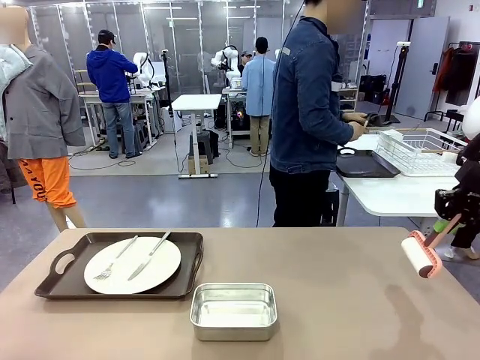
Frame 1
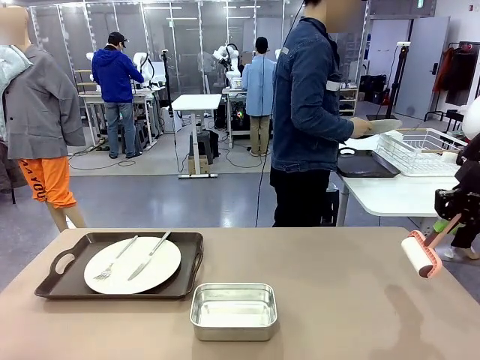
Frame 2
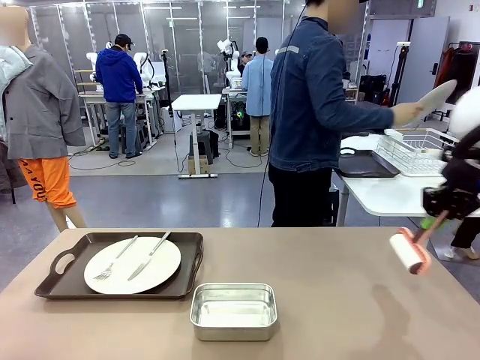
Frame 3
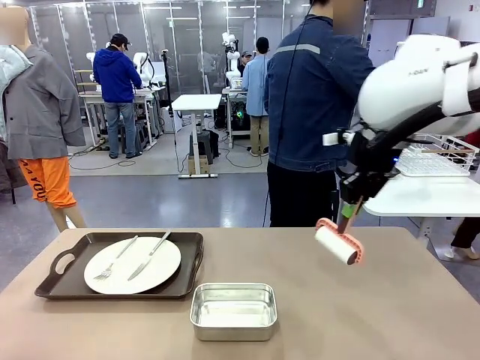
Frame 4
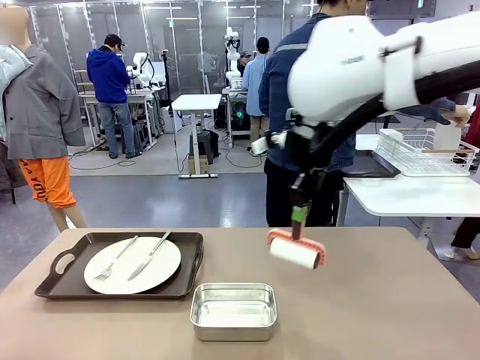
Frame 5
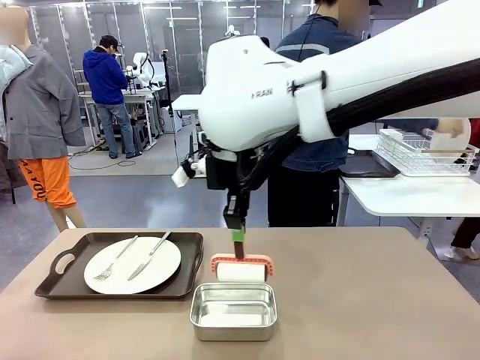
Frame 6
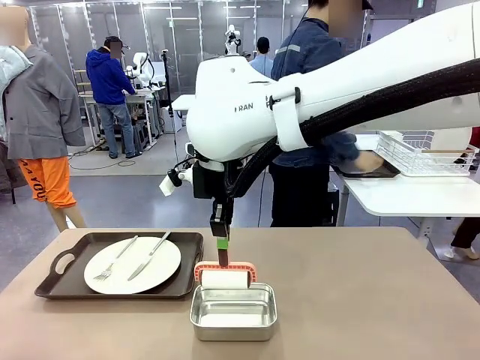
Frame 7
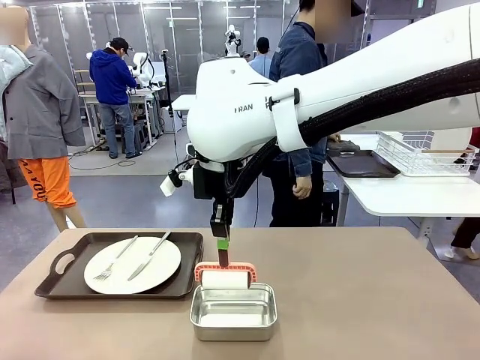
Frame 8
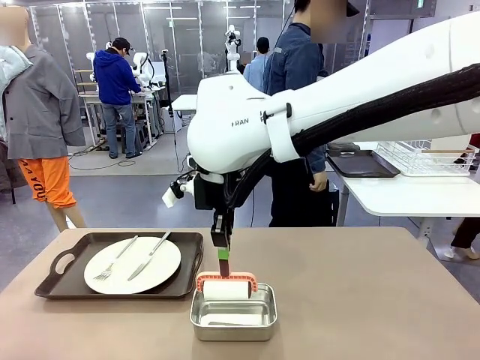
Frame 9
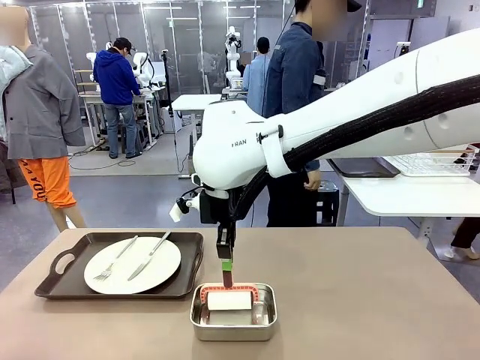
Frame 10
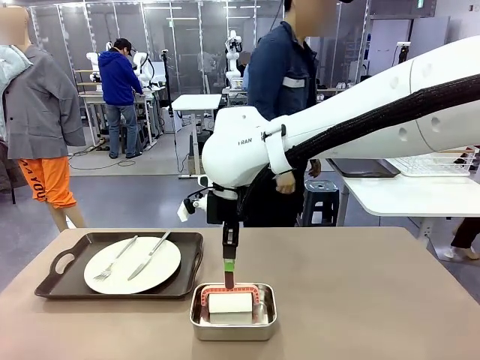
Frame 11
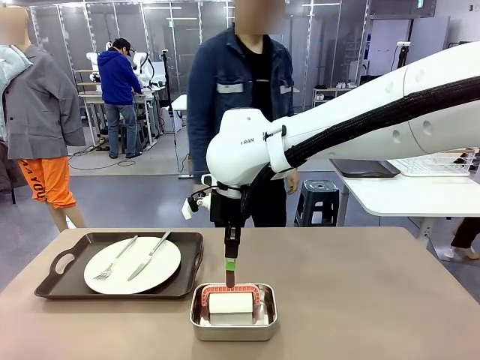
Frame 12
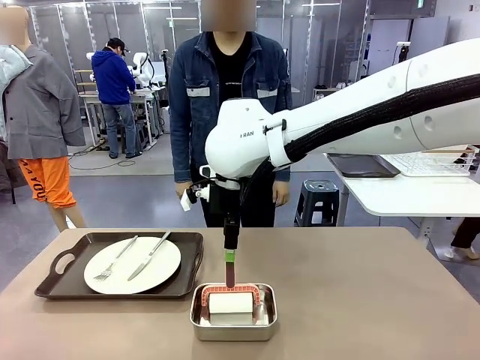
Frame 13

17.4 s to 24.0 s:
Robot: Place the Lint Roller back on top of the Airtight Container.

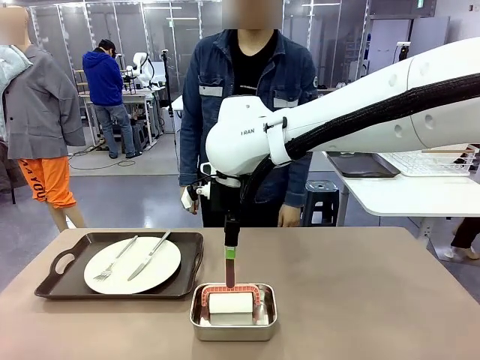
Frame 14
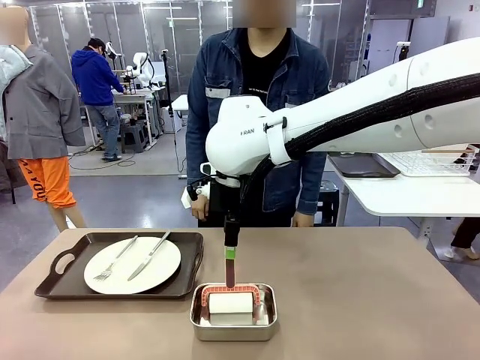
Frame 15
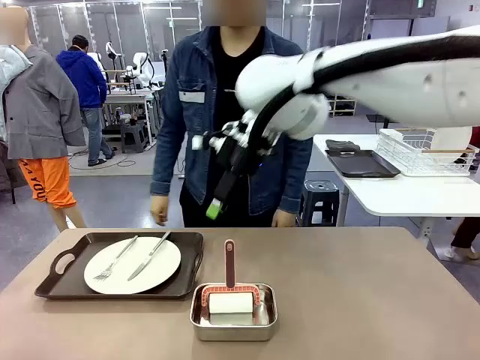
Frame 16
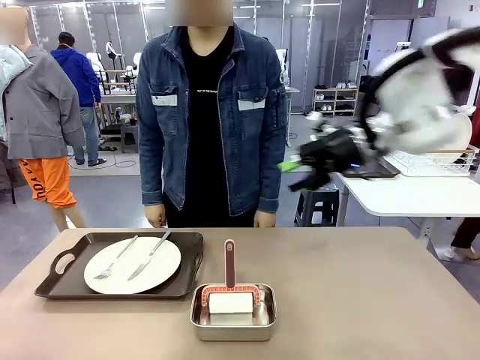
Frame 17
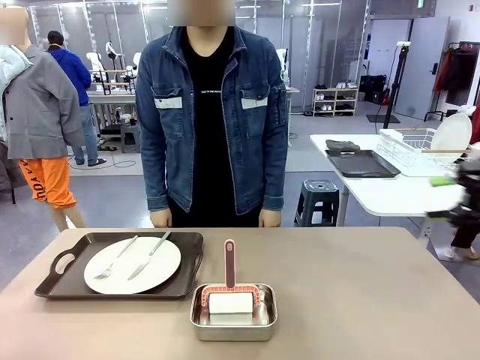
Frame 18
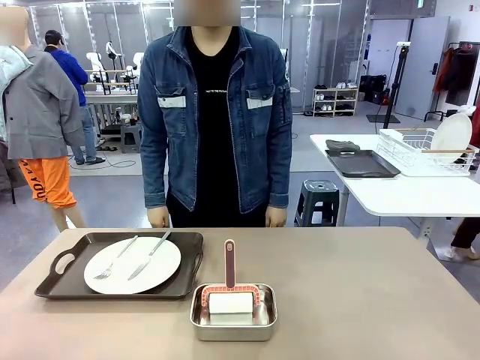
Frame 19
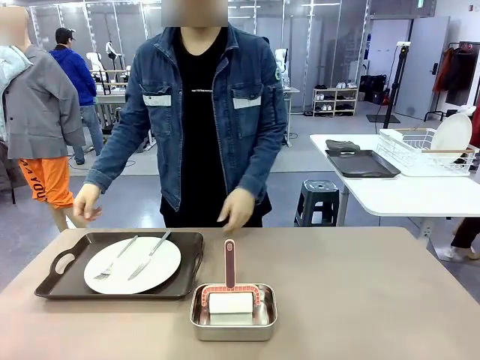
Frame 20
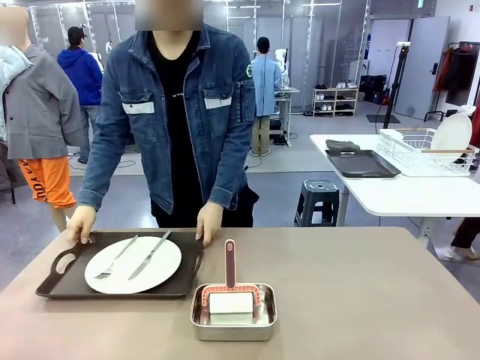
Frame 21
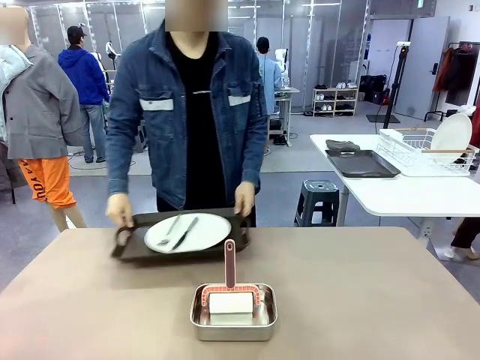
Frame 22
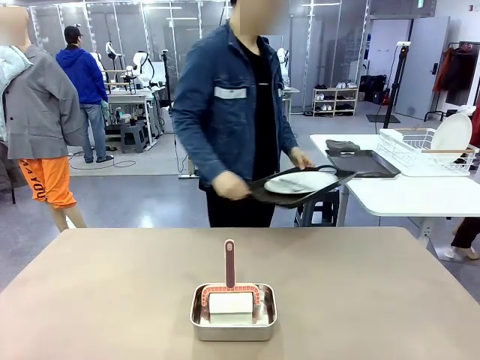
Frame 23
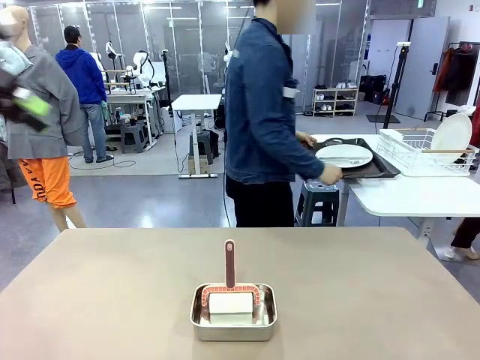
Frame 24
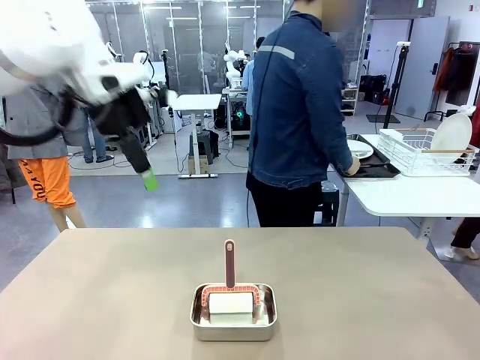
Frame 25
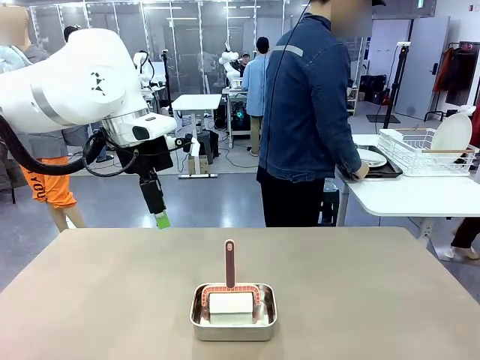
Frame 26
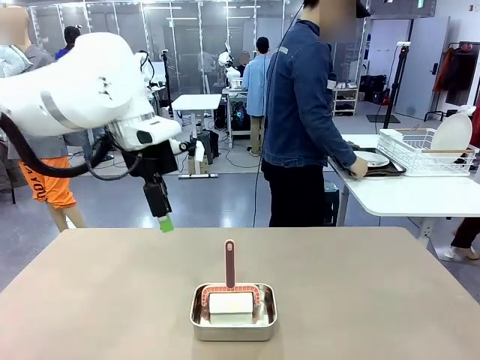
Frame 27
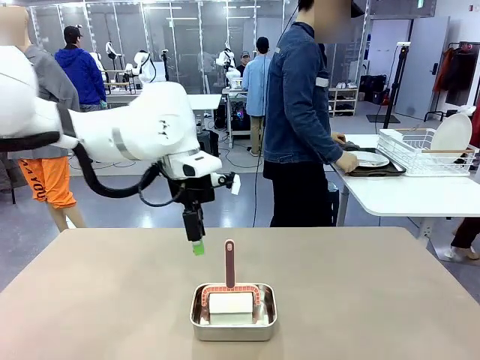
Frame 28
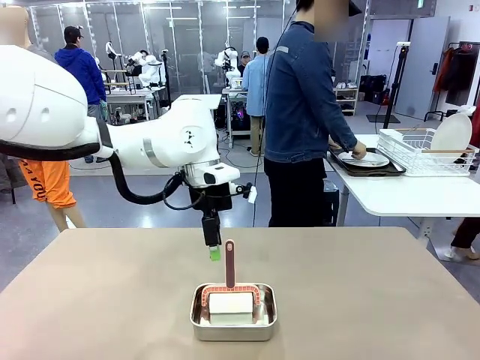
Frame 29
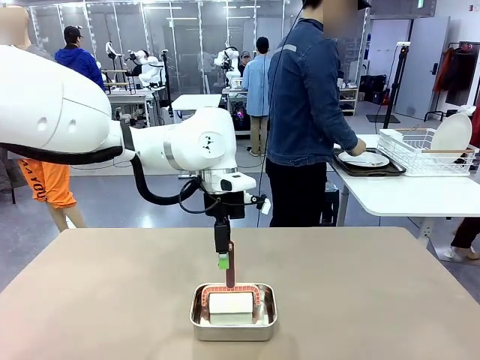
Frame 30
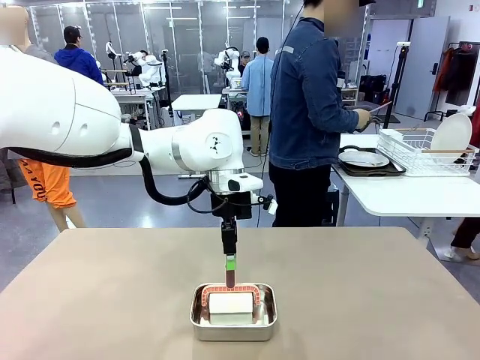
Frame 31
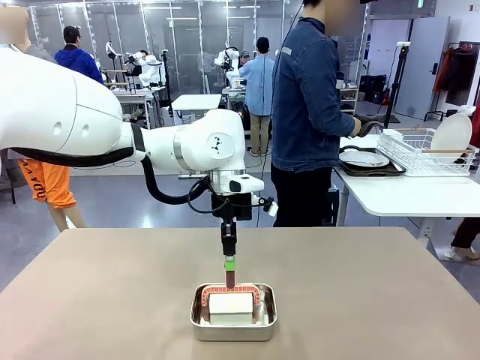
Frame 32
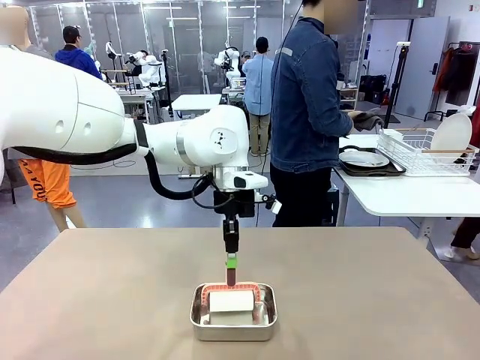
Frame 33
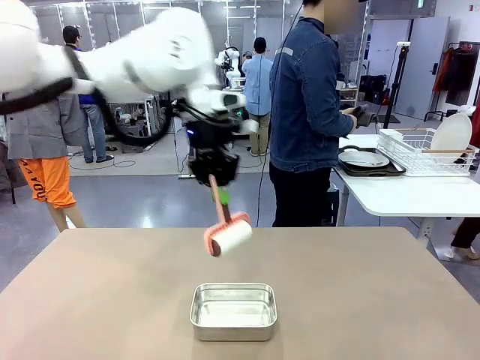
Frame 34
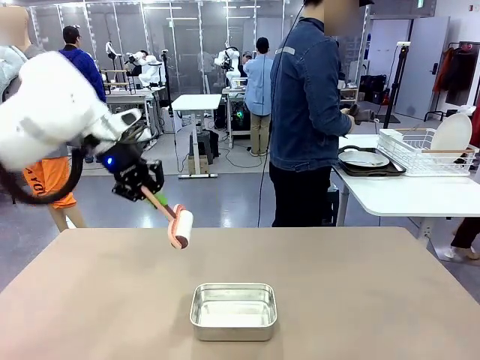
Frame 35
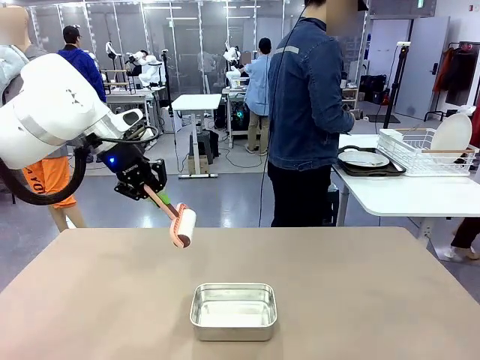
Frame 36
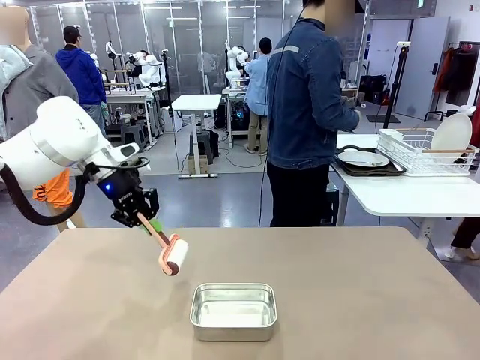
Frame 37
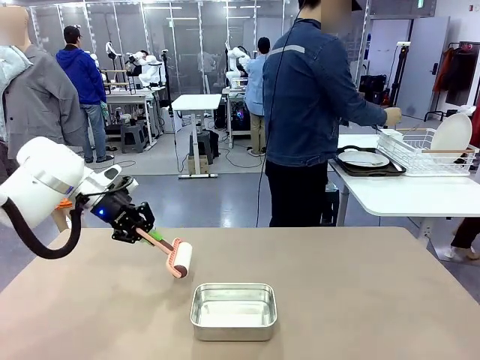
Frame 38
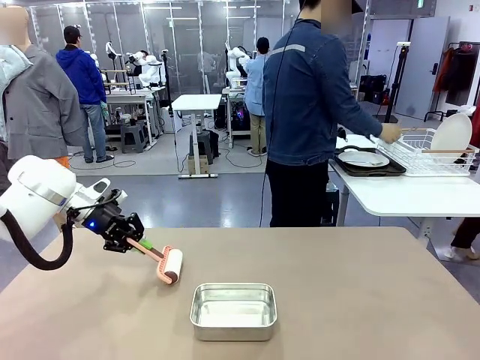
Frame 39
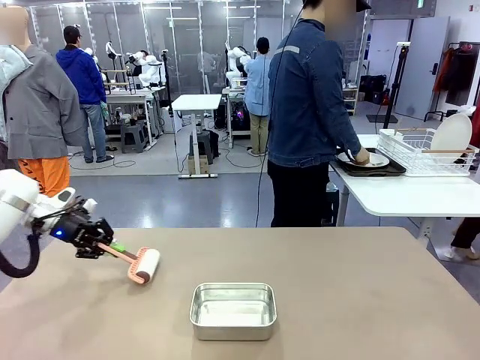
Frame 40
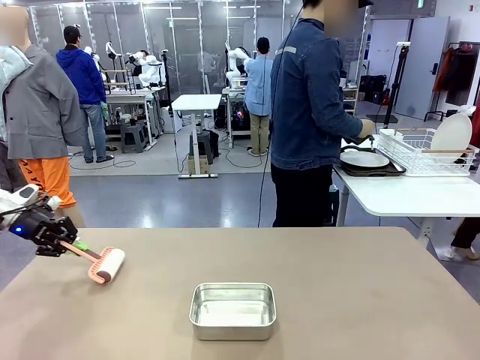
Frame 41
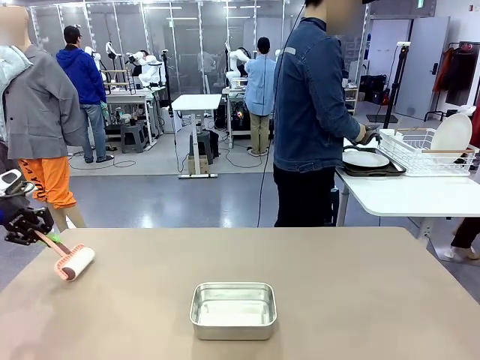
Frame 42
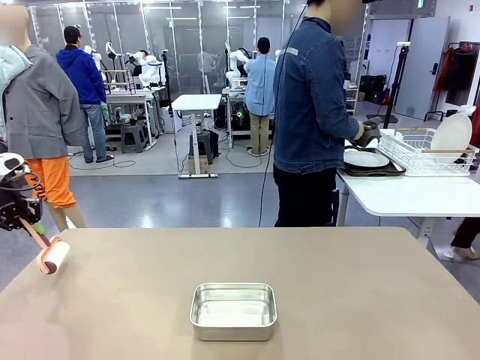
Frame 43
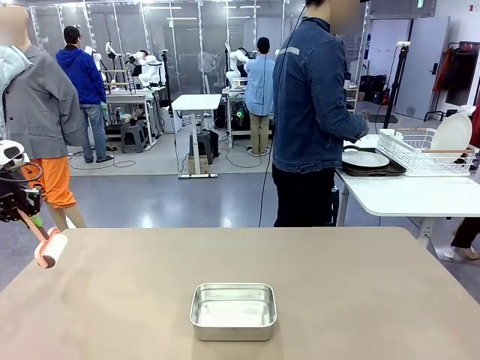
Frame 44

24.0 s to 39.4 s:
Robot: When the right (or left) Handle tray is removed, use the right hand (or left hand) to clean the right (or left) side of the table with the Lint Roller.
Person: Pick up the left (or right) Handle tray and place it on the Handle tray.

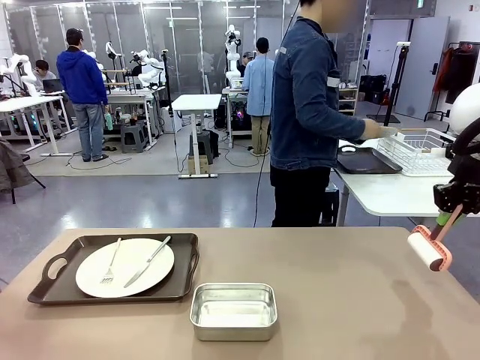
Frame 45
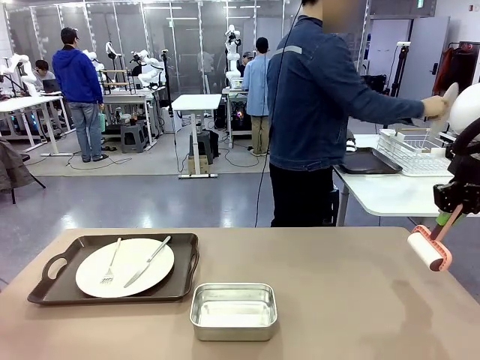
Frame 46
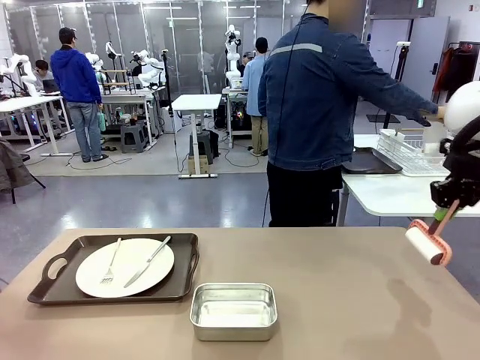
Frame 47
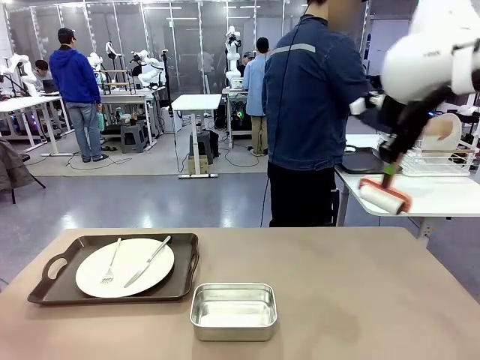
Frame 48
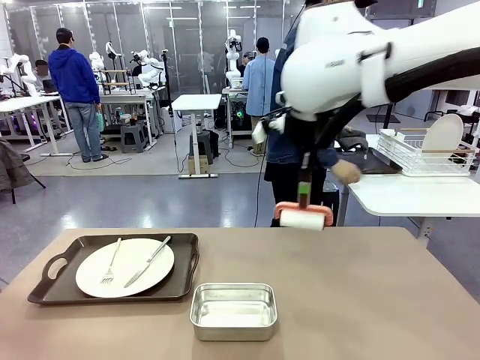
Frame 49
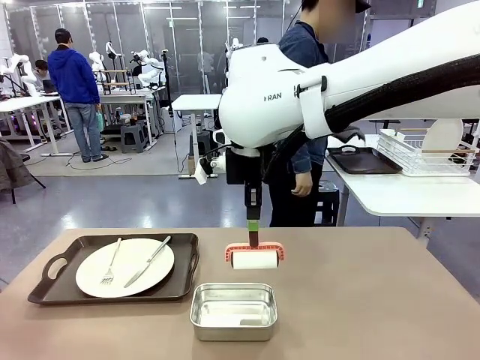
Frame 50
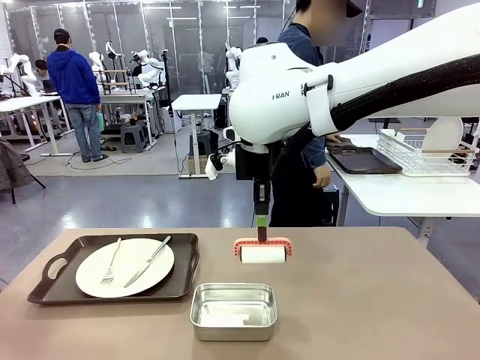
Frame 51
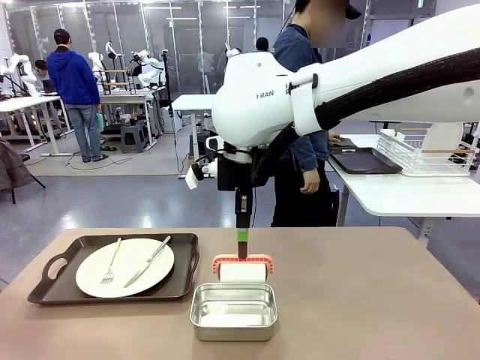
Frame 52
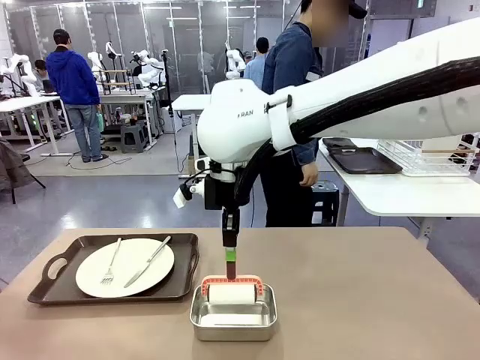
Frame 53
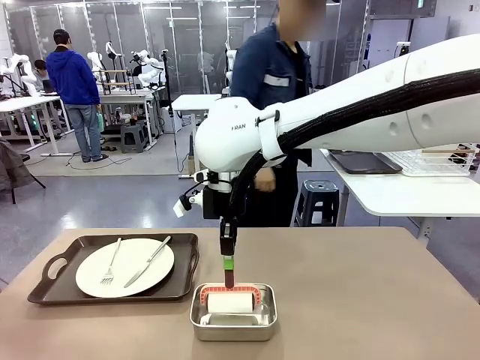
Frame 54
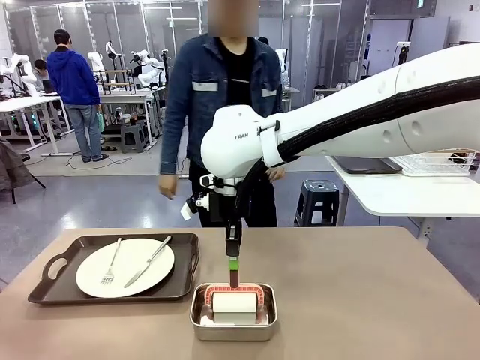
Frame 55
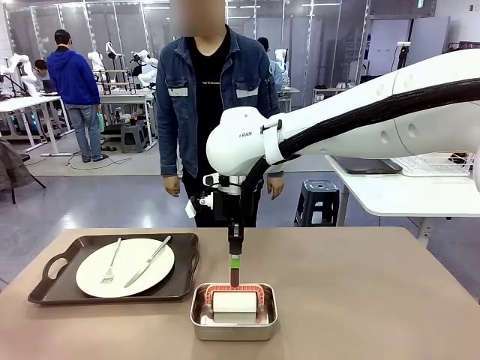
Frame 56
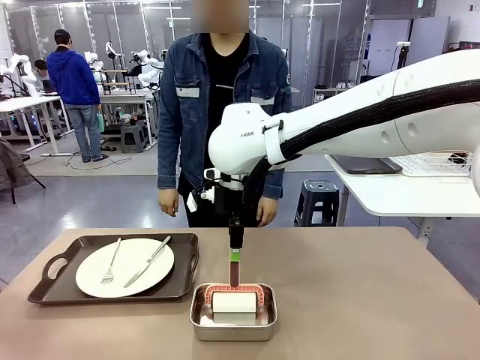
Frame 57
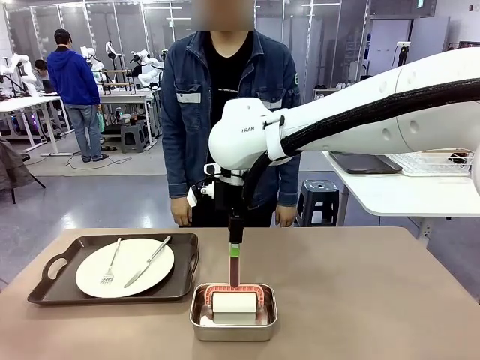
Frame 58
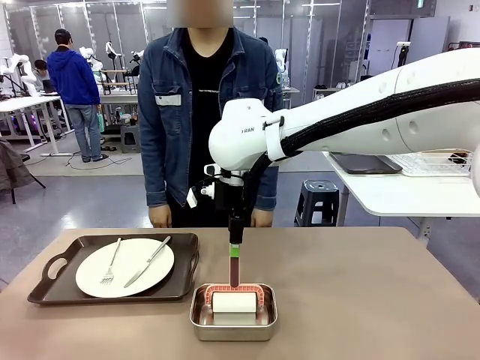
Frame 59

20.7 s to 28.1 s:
Robot: Place the Lint Roller back on top of the Airtight Container.
